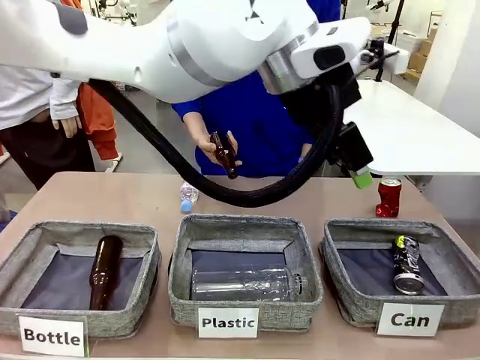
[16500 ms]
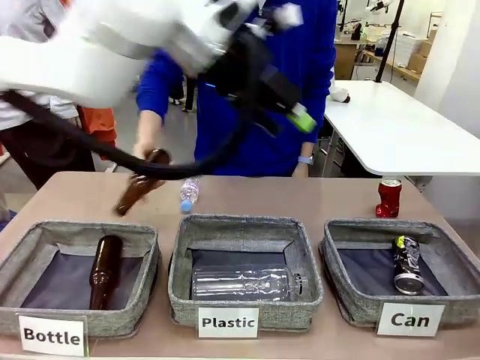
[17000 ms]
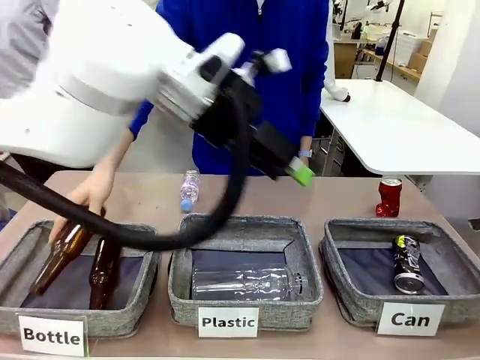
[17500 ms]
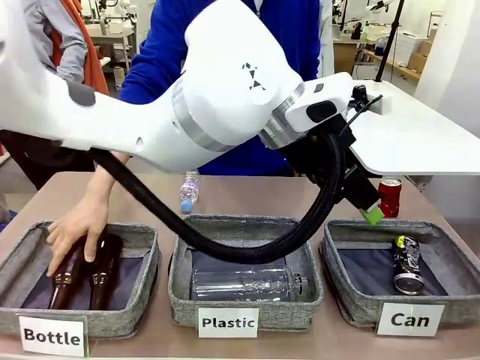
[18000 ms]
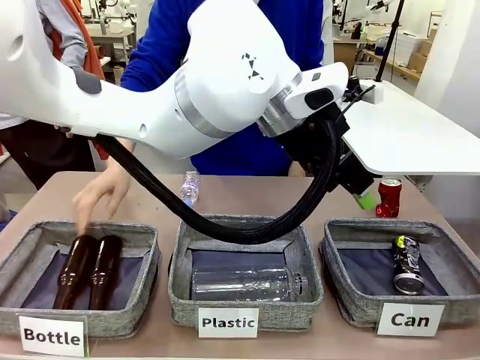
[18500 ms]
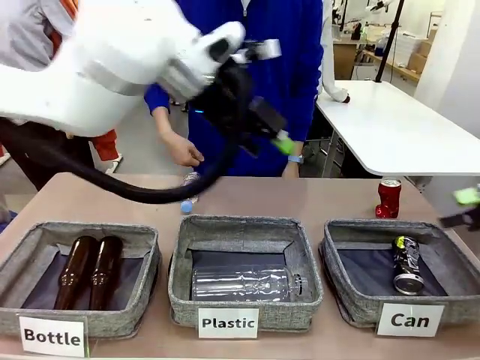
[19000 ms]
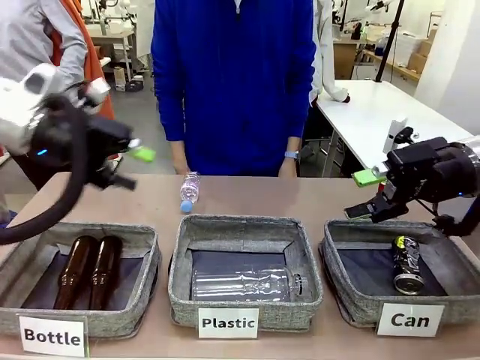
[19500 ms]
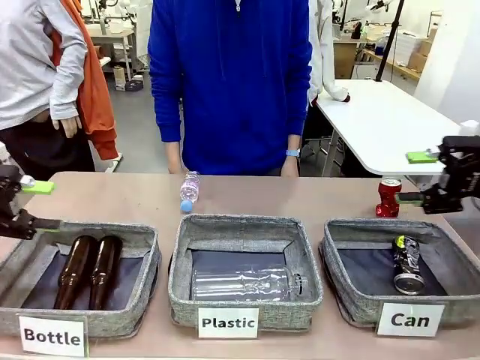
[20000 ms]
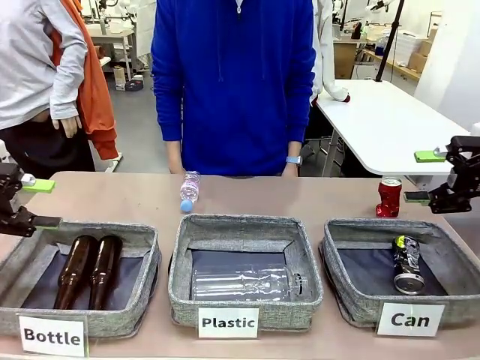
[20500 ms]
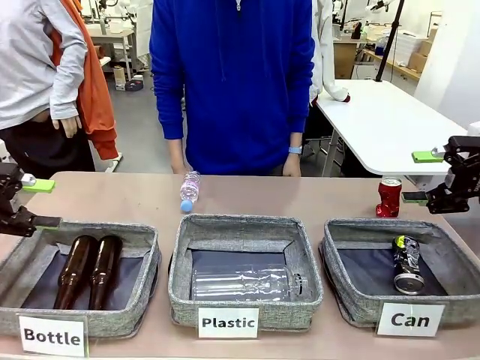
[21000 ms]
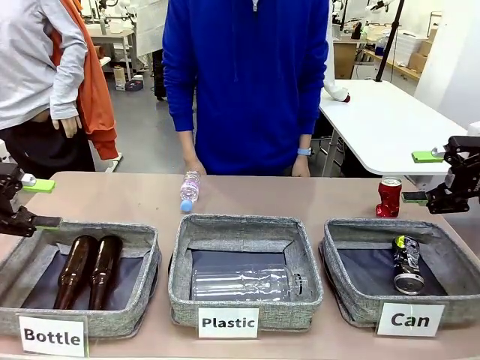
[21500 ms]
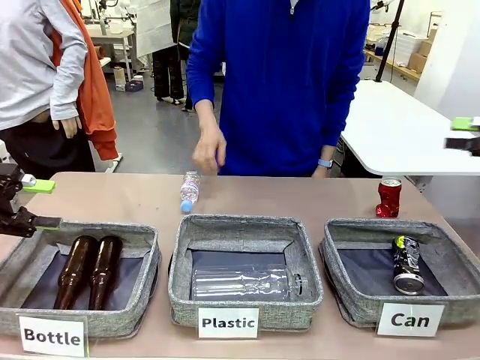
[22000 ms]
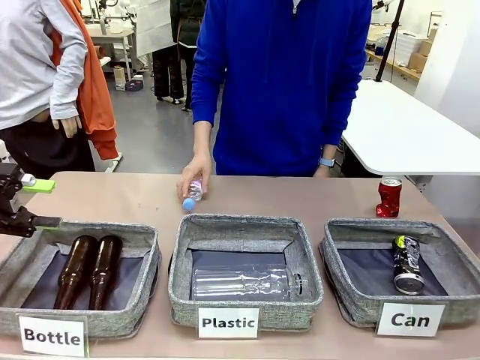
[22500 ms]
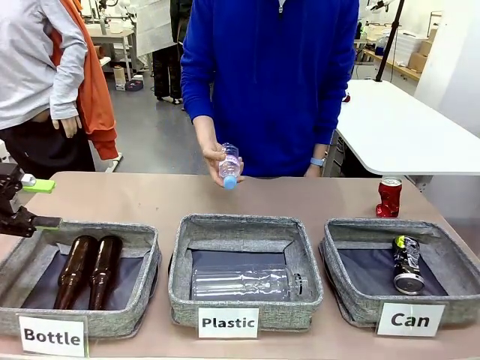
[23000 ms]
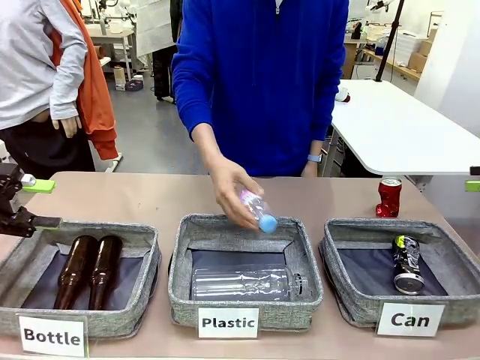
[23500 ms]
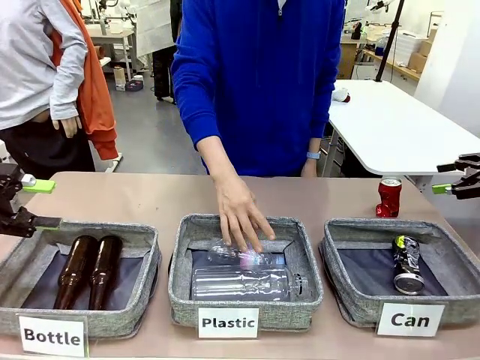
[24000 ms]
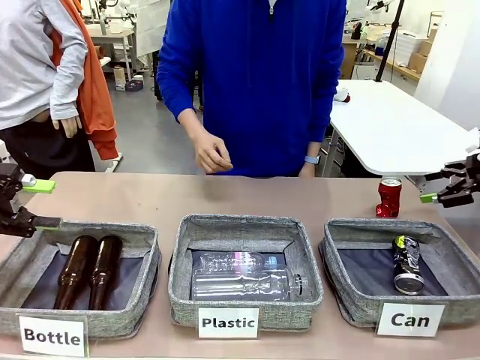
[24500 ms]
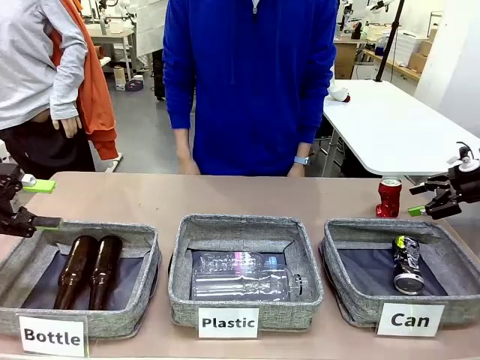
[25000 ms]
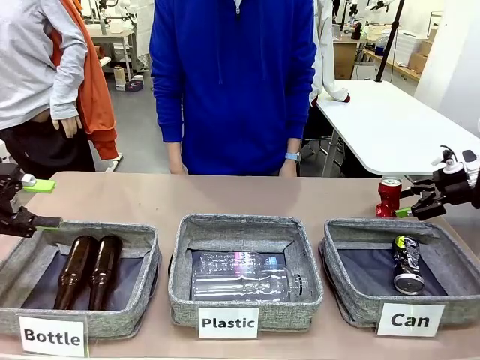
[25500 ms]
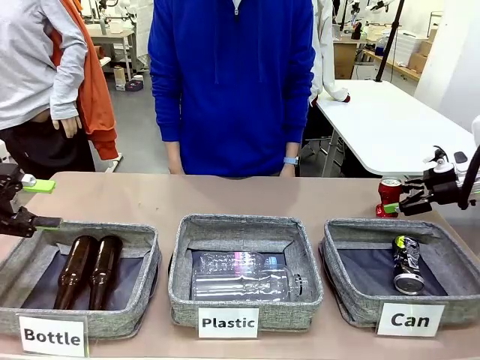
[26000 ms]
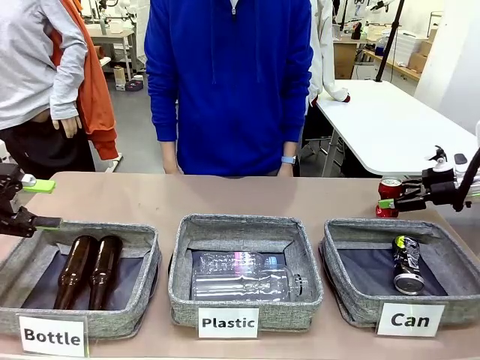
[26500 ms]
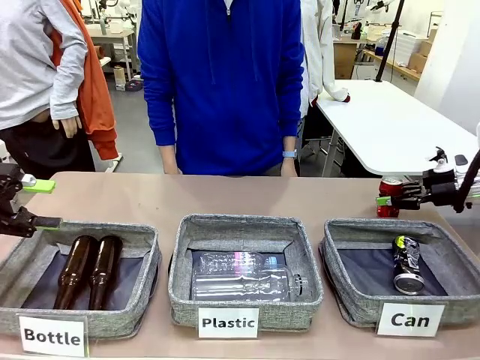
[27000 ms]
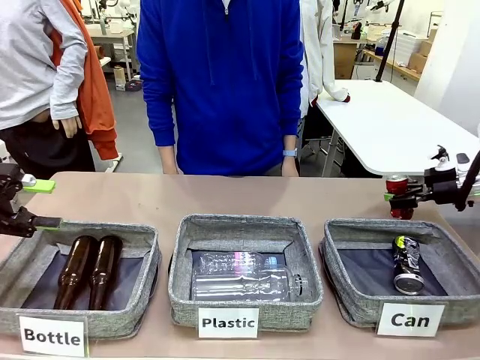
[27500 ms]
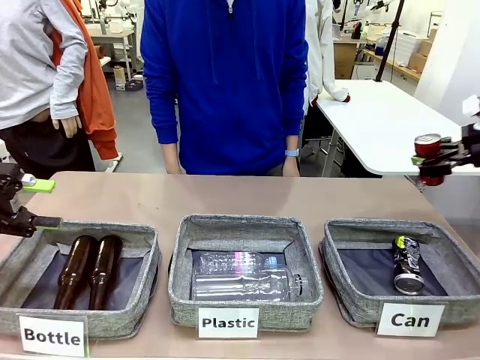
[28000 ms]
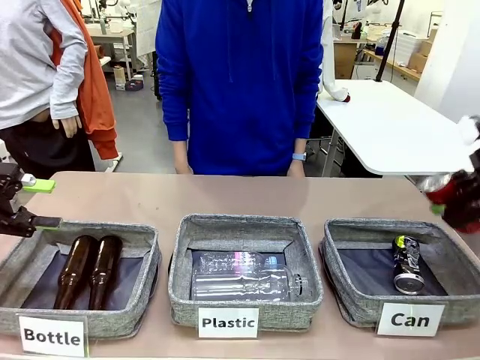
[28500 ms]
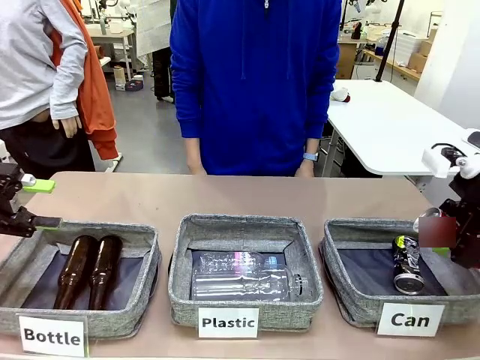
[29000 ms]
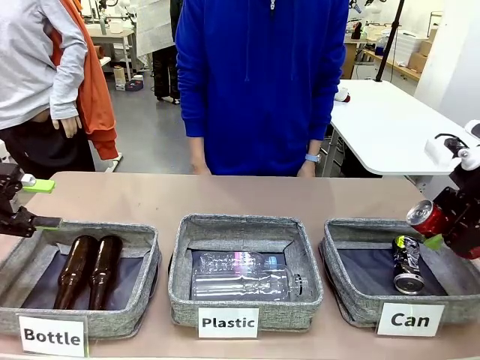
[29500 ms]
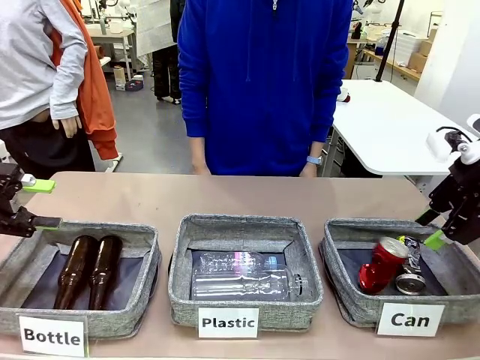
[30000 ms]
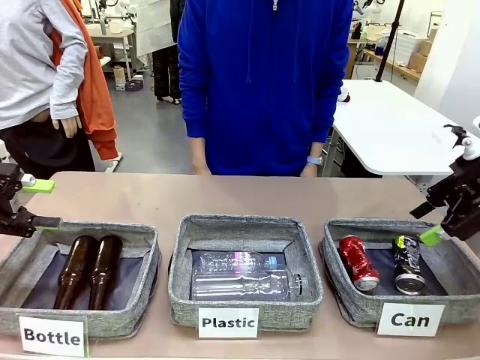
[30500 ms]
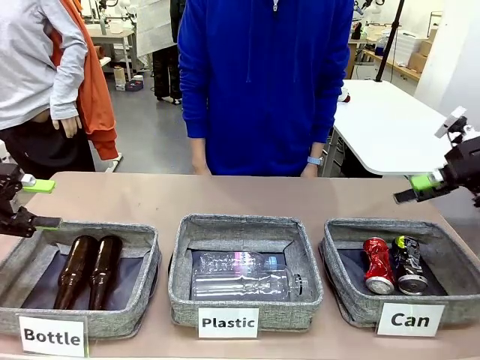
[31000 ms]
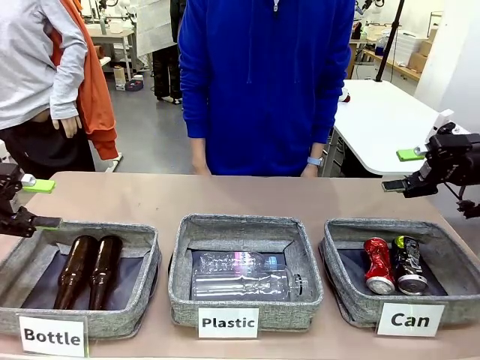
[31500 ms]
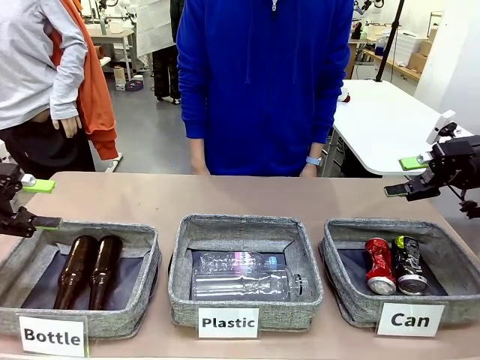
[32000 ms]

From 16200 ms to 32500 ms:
Task: Sort the can waste into the basket.
Robot: Pick up the can waste from the table and place it in the right Fabric basket.
Person: The human picks up one piece of trash that is not a can and places the trash into the appropriate organizing basket.

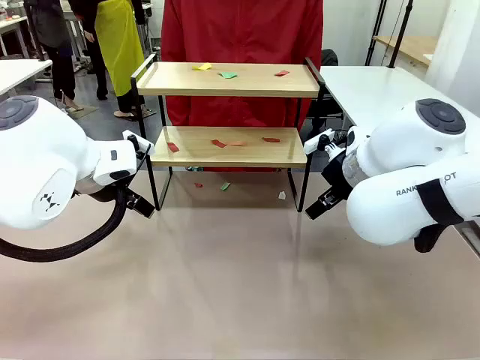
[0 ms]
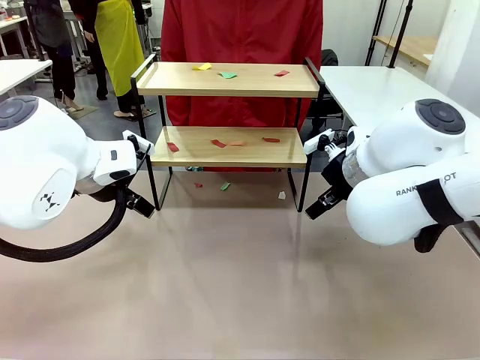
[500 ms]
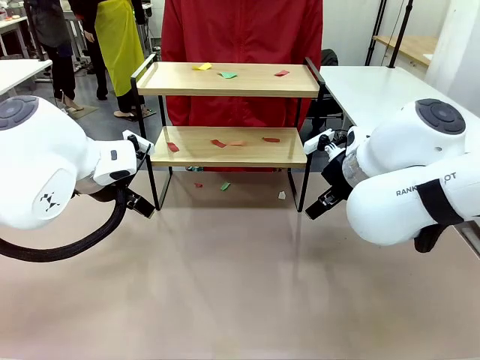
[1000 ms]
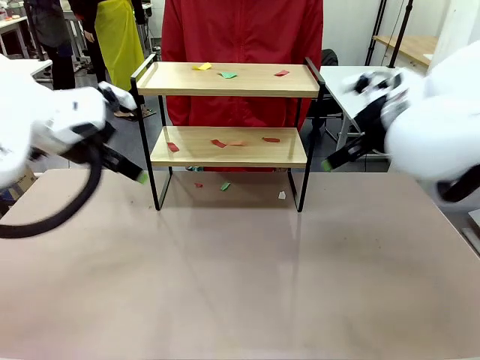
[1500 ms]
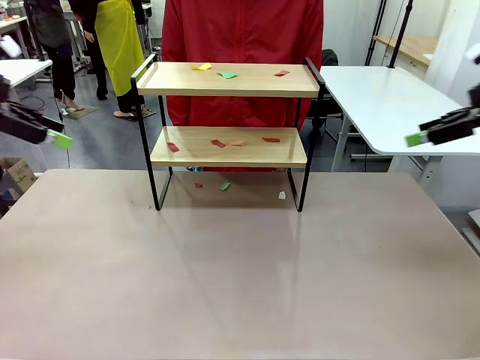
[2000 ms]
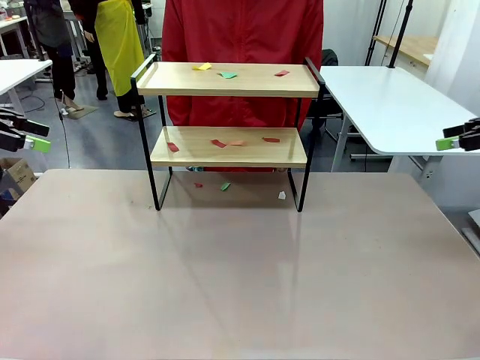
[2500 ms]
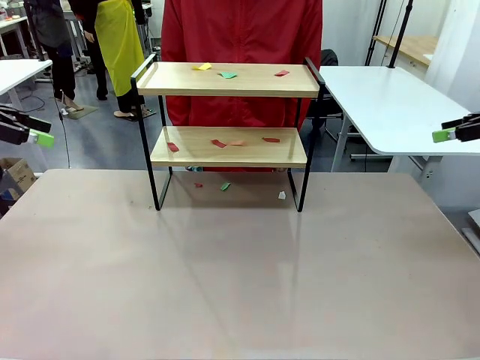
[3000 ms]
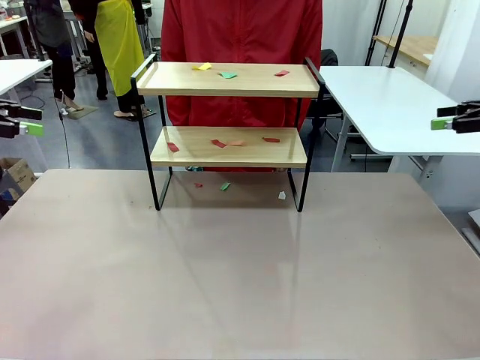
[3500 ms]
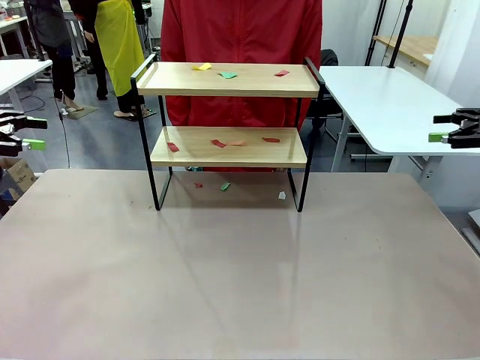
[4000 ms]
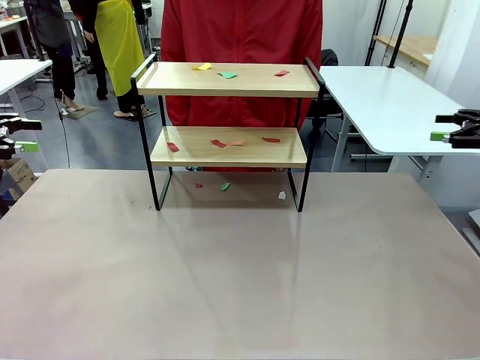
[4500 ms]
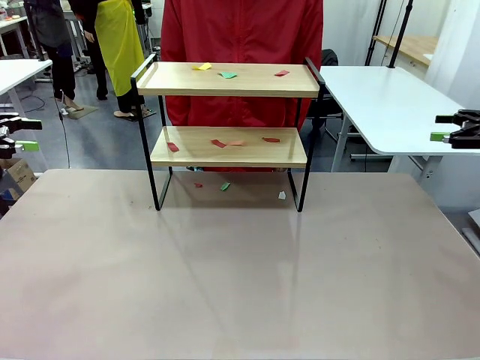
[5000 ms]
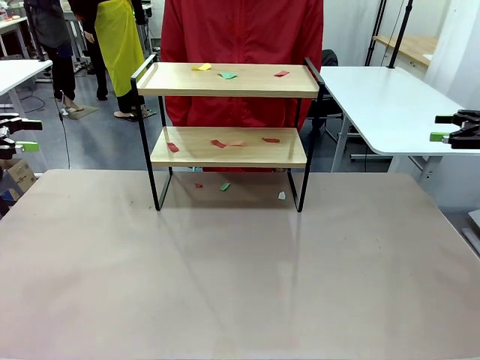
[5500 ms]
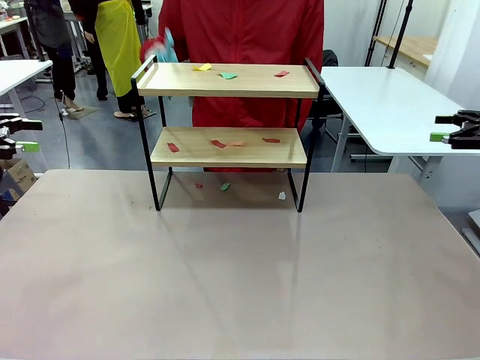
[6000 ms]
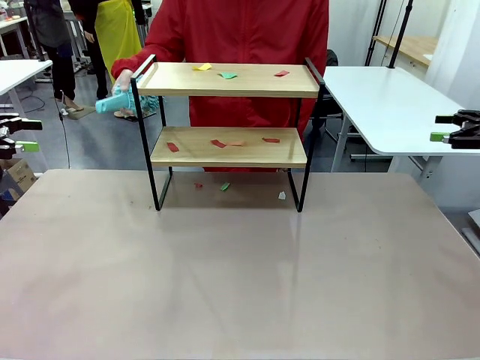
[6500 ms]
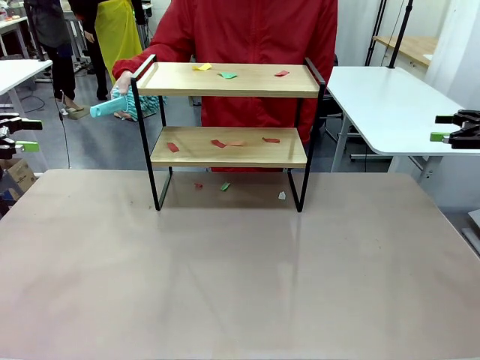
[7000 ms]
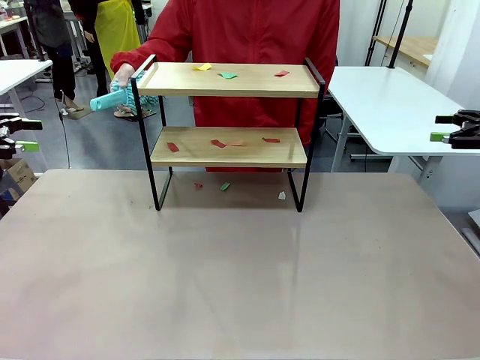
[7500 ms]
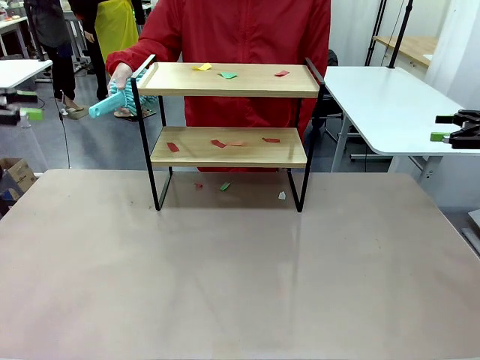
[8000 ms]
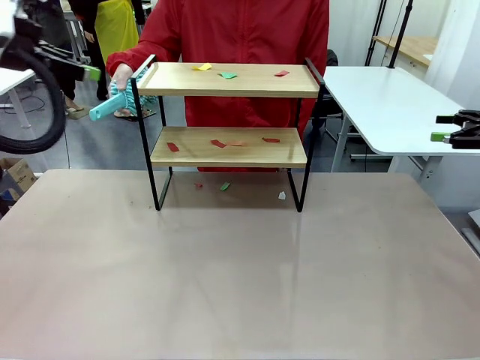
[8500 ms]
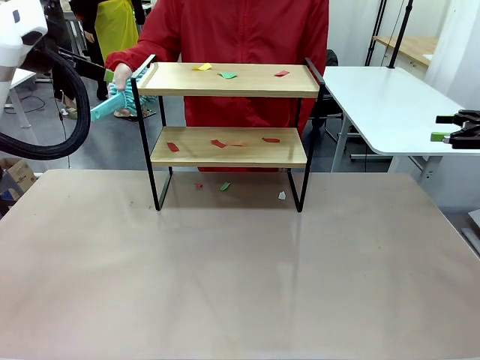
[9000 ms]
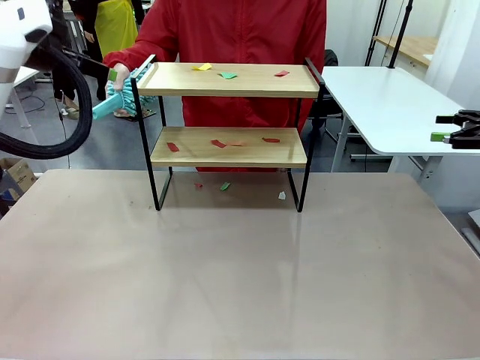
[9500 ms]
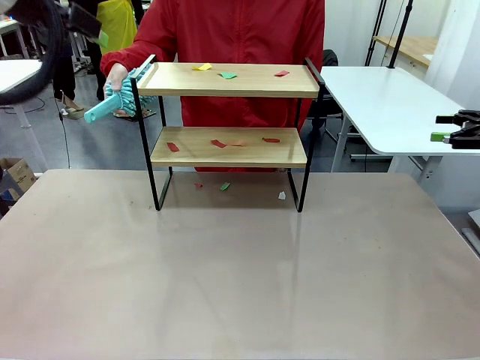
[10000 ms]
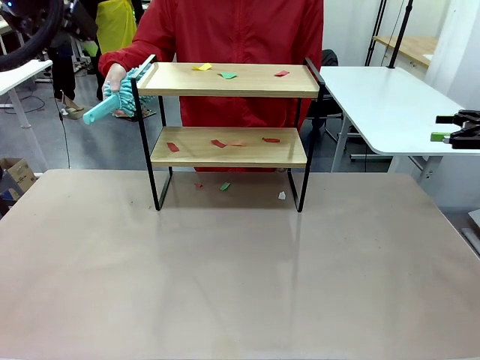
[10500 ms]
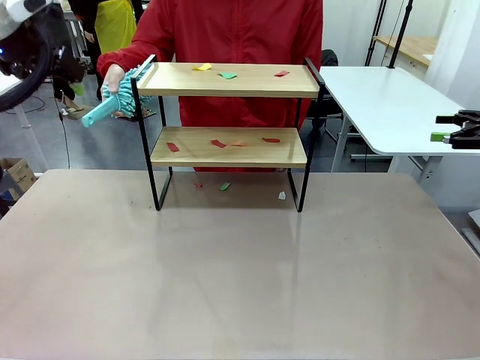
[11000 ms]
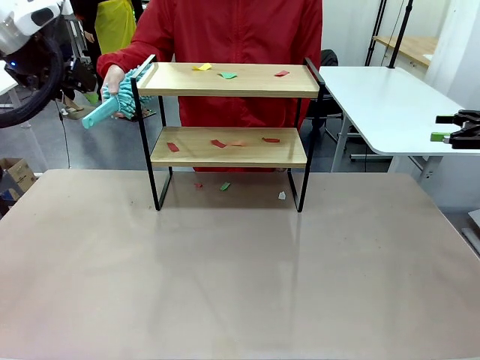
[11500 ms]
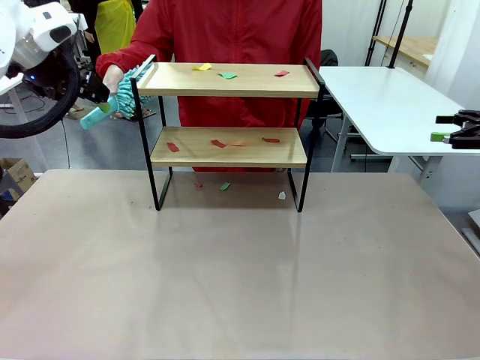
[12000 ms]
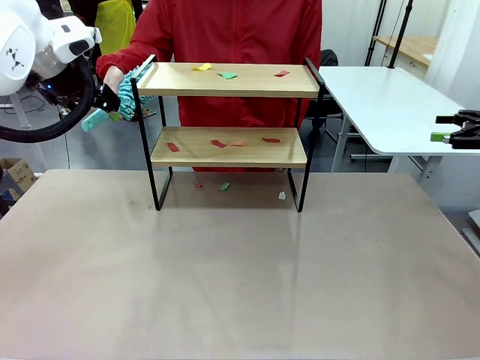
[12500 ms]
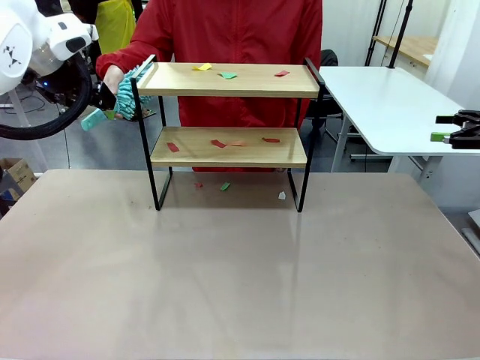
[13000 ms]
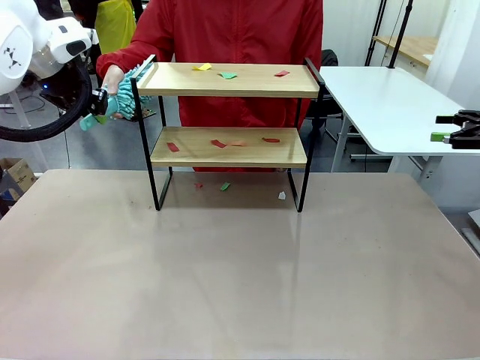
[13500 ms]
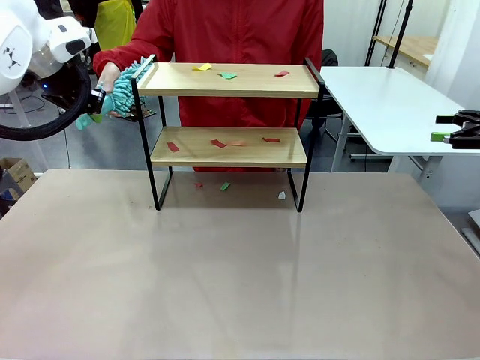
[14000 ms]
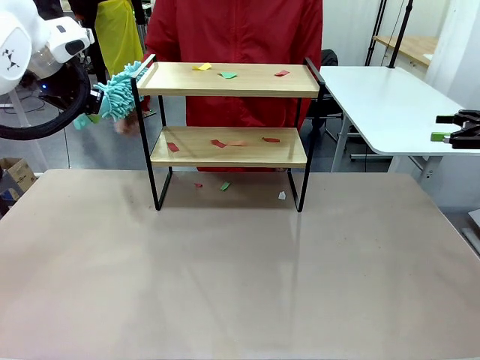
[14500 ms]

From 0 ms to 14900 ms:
Task: Clean the shelf.
Robot: Pick up the Duster handed by the human.
Person: Hand the Duster to the robot.
